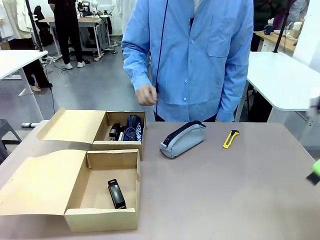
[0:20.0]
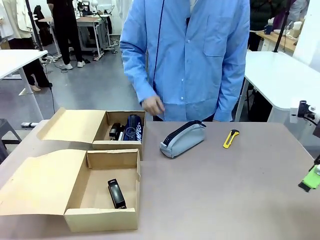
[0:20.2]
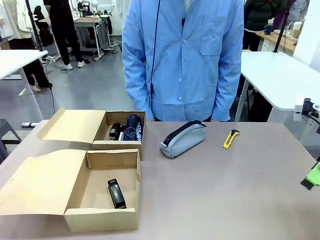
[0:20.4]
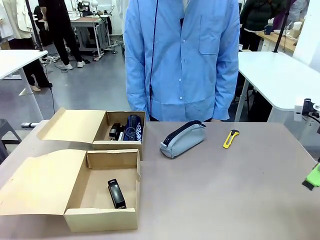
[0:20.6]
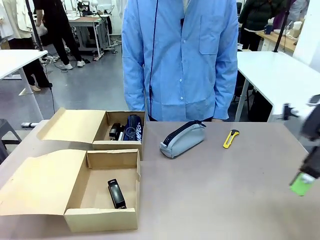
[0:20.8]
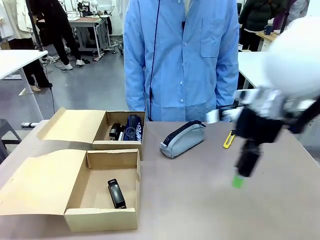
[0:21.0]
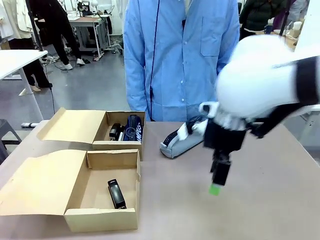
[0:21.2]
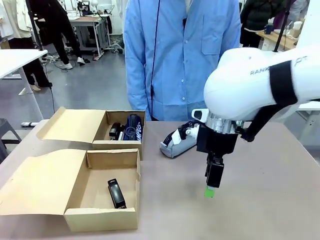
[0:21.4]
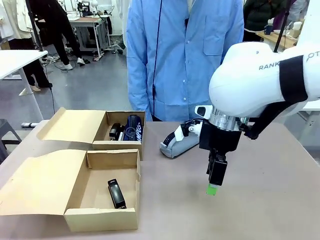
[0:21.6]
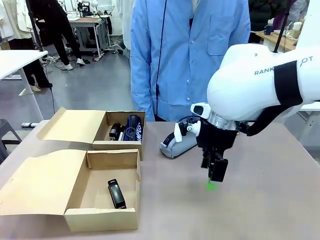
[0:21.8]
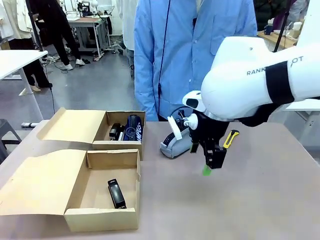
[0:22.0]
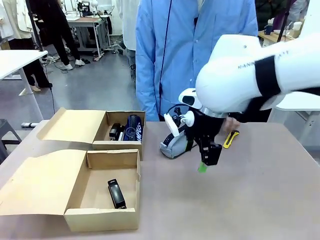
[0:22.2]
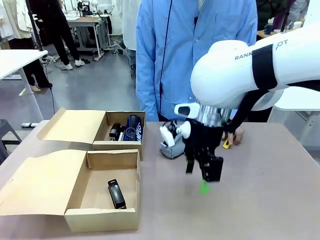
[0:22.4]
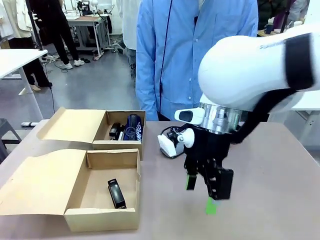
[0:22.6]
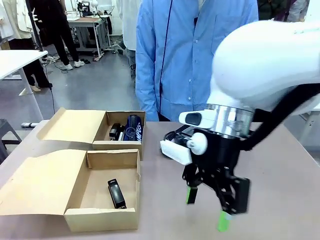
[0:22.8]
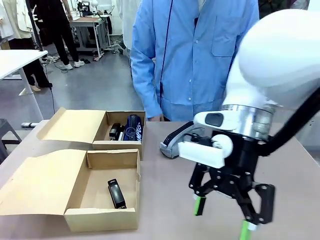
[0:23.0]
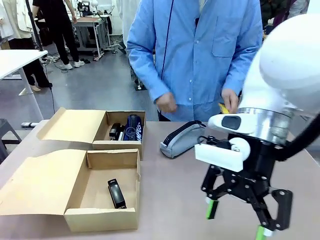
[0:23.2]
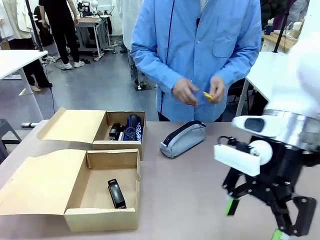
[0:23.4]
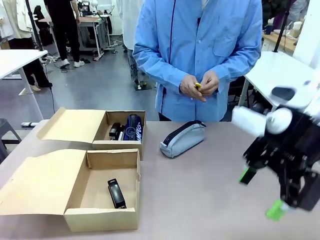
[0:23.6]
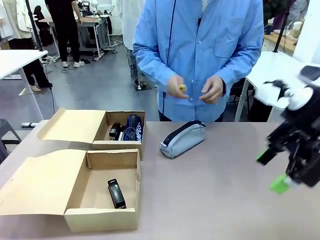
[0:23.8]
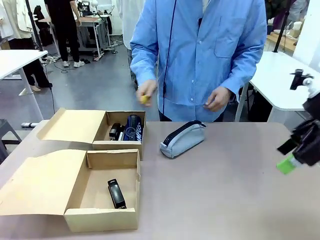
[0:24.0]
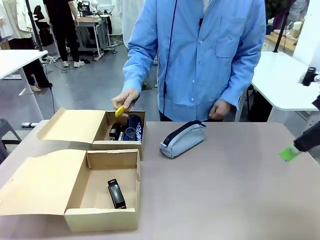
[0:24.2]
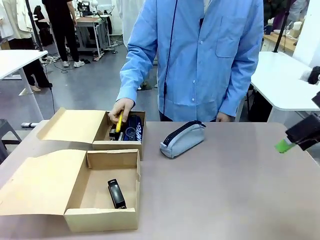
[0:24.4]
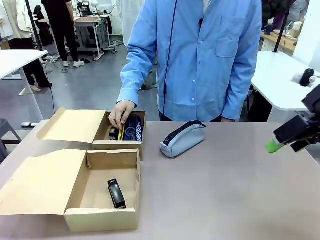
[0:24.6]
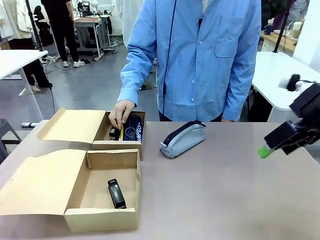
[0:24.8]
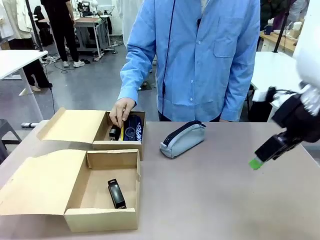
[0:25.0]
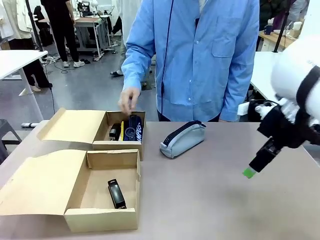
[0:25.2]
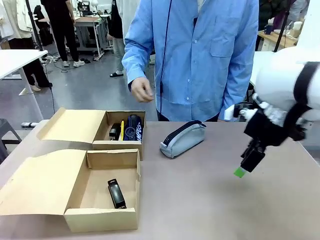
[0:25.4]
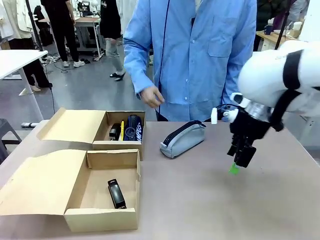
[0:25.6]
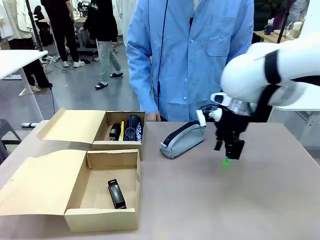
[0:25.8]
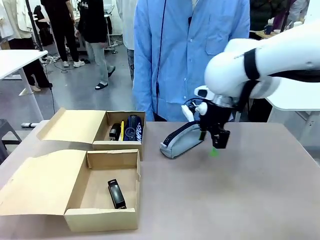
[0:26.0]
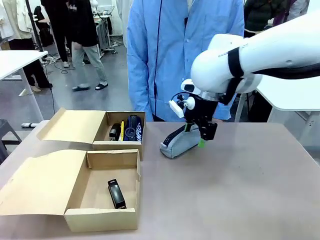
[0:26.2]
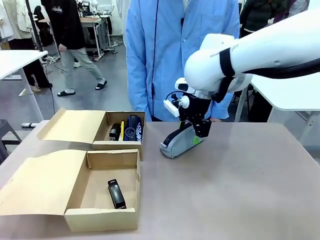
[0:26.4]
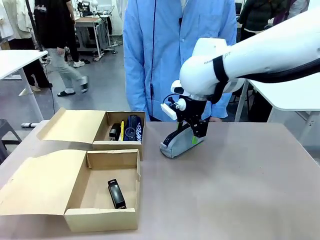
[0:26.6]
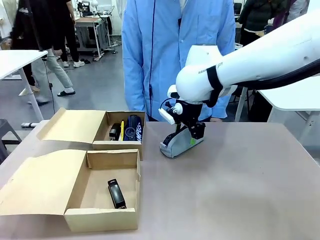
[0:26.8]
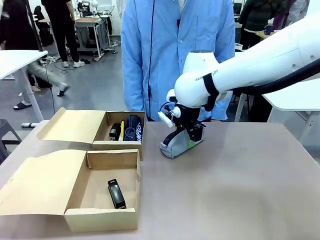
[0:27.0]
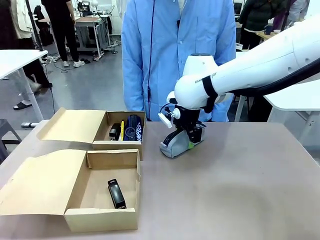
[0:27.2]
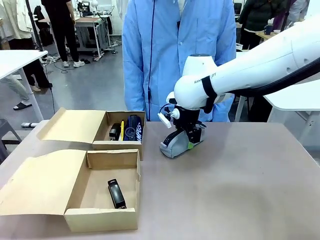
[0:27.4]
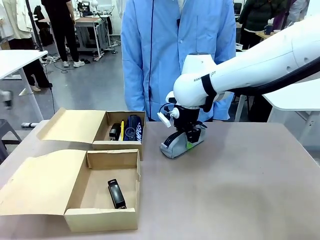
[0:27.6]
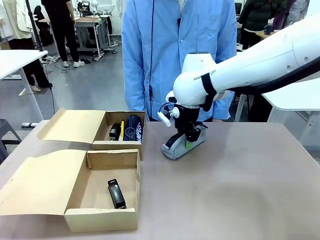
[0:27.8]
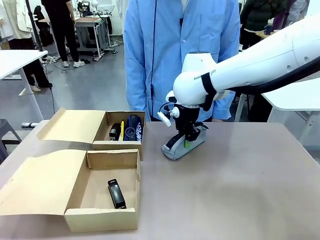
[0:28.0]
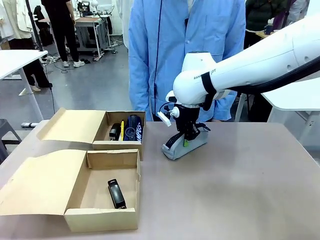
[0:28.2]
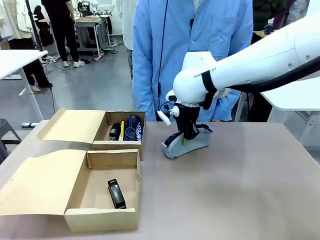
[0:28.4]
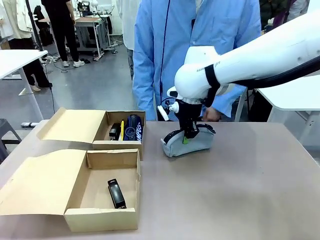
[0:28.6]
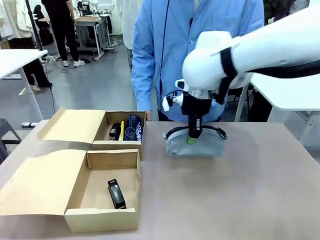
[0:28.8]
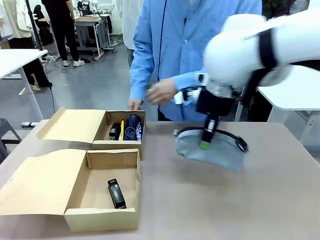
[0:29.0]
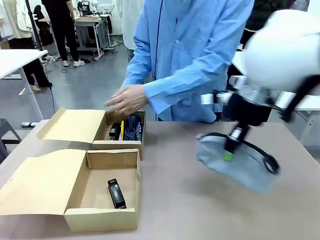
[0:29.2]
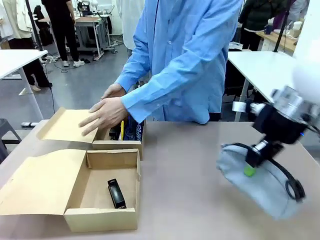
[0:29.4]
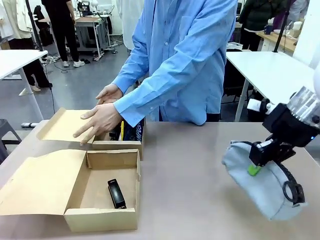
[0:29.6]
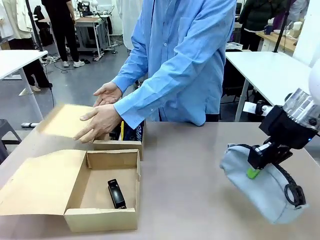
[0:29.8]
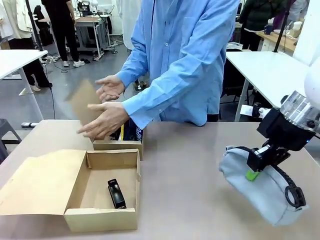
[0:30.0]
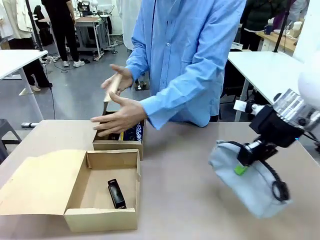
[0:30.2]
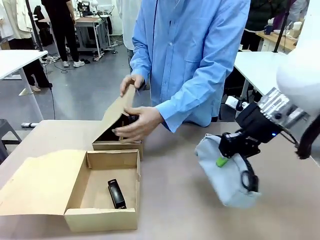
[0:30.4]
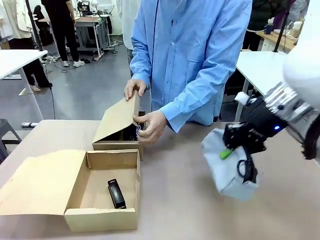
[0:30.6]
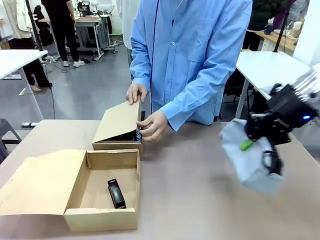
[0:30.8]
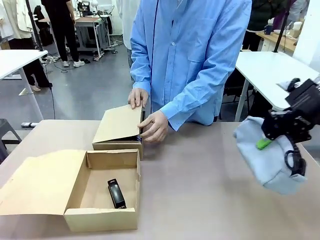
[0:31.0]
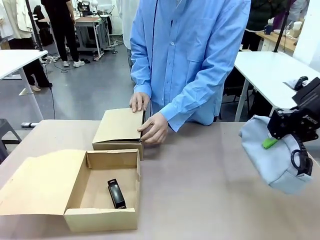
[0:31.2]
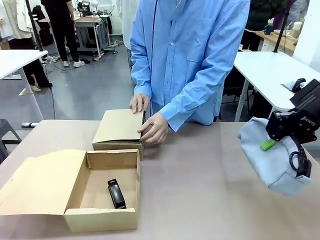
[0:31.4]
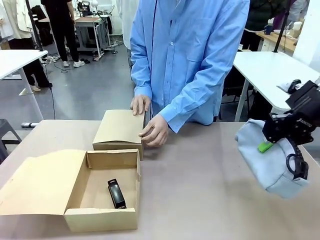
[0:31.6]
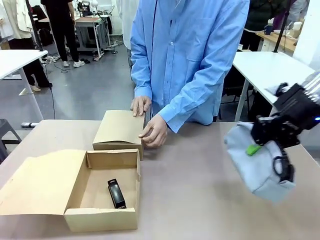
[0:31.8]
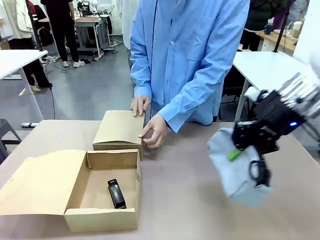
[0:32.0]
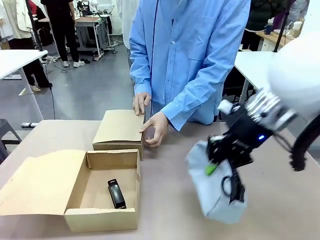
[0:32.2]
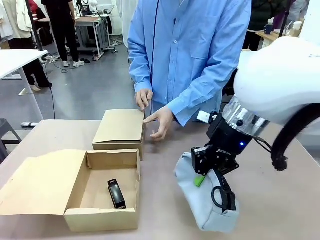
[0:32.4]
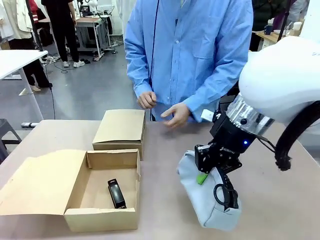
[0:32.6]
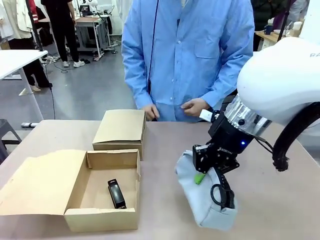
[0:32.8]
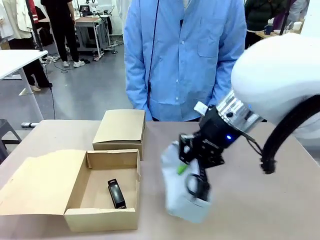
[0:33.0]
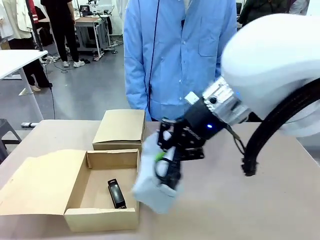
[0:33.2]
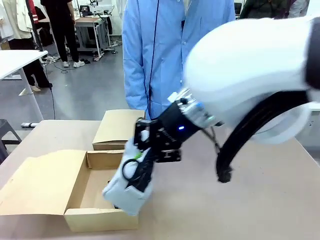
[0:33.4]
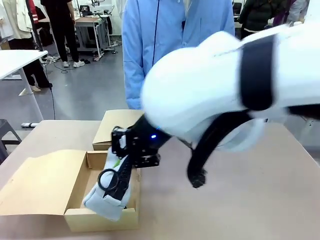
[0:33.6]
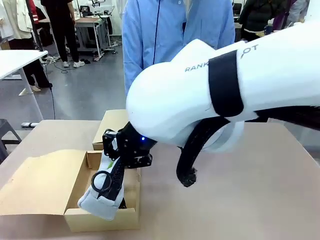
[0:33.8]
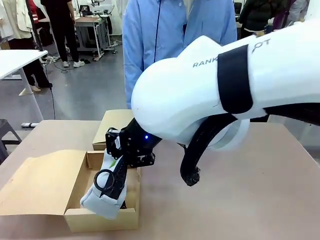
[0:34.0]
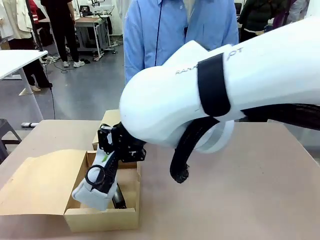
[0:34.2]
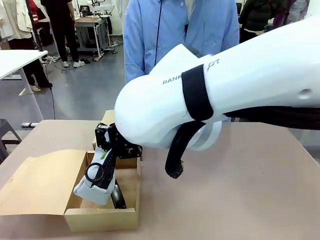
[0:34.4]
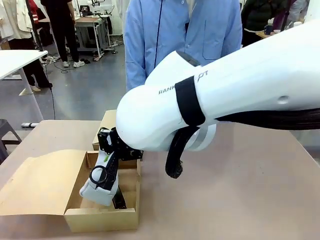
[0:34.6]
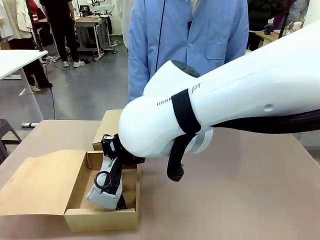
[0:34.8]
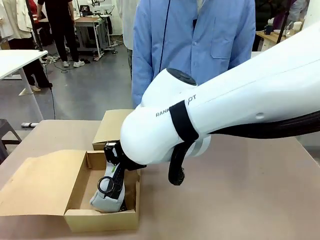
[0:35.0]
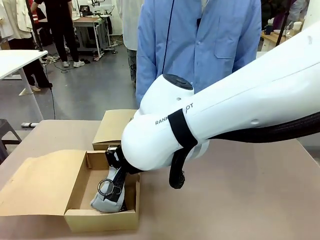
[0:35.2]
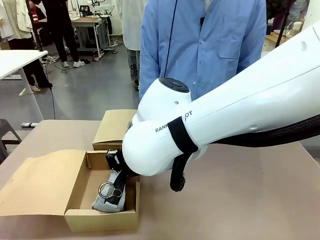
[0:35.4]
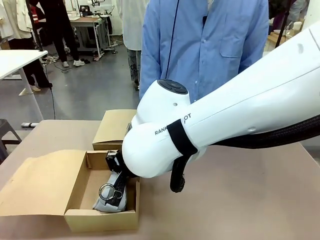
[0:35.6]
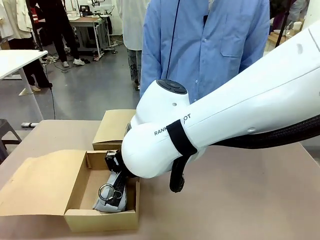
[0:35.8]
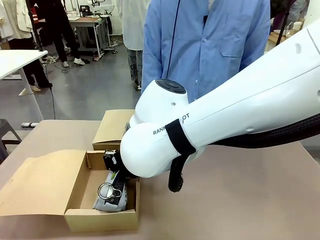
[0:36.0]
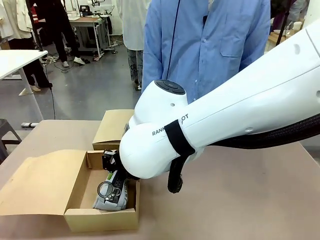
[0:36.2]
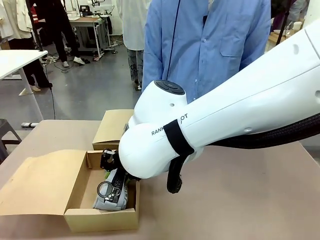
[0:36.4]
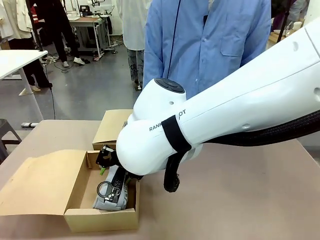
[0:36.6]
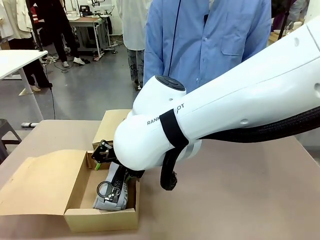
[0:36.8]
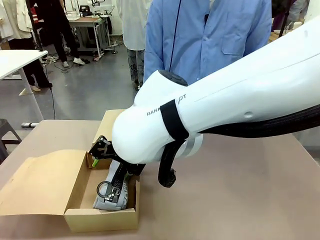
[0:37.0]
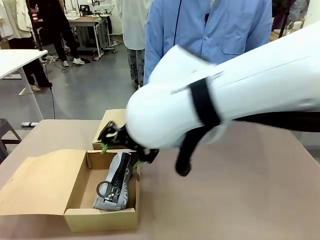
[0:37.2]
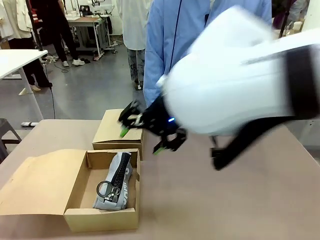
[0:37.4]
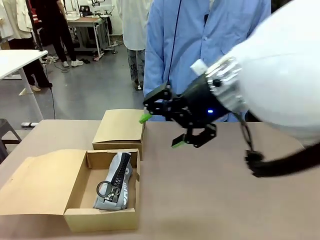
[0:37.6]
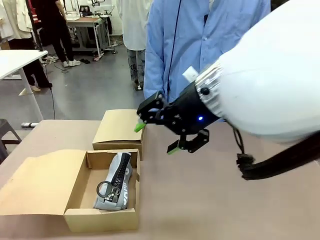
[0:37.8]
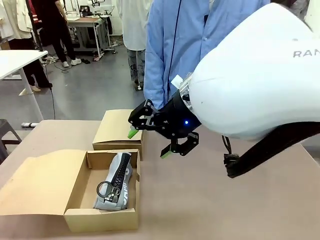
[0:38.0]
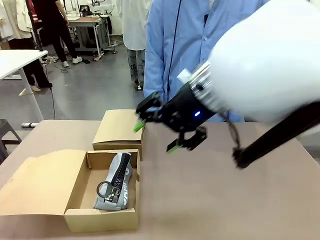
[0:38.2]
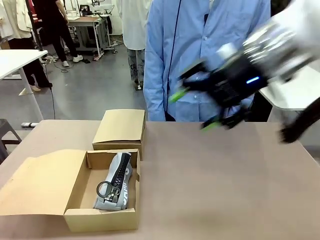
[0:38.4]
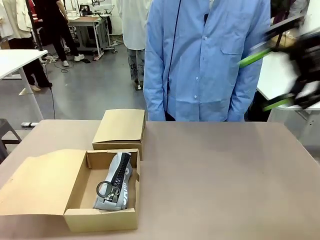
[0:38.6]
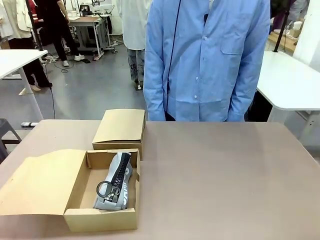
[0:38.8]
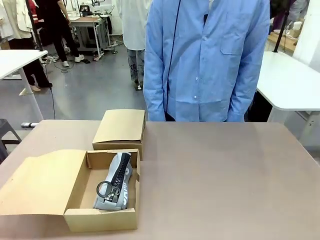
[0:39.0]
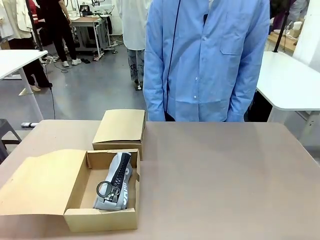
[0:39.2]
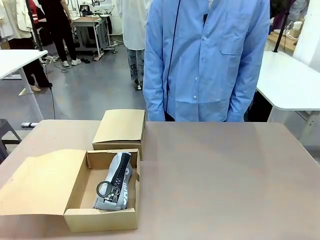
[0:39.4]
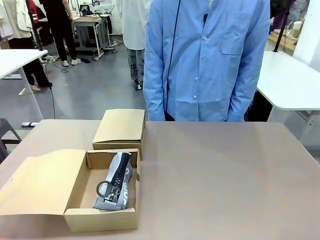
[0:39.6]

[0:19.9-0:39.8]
Task: Place items inside the box.
Robot: Pick up a Pencil pouch or Stapler and place it inside the Mailer Box closest to the robot.
